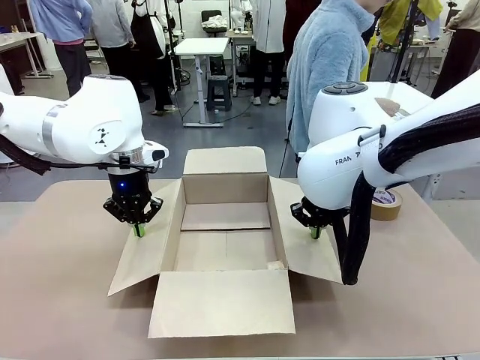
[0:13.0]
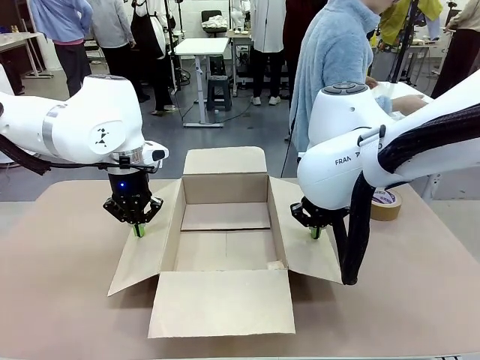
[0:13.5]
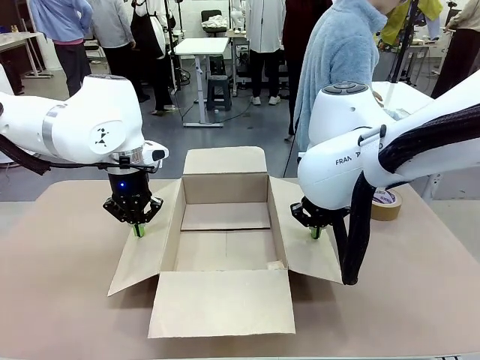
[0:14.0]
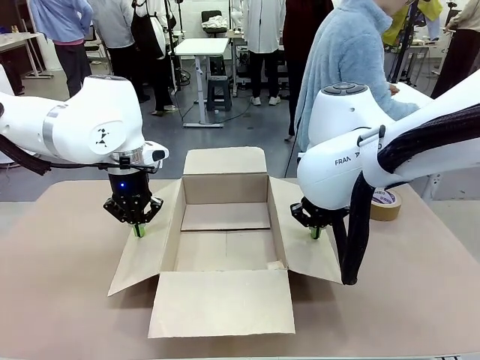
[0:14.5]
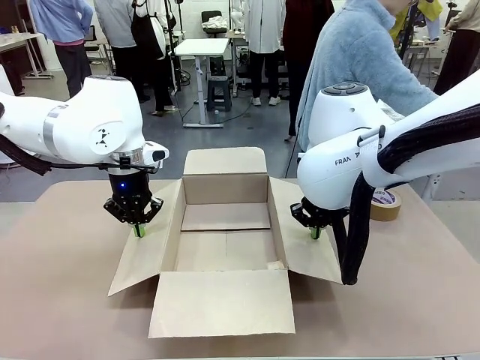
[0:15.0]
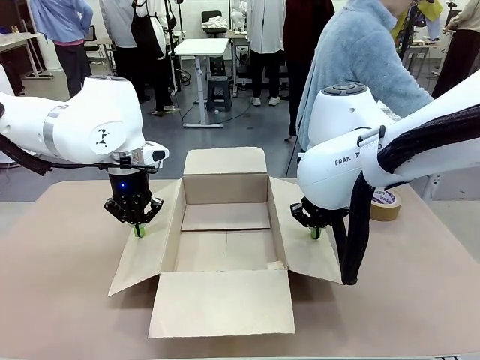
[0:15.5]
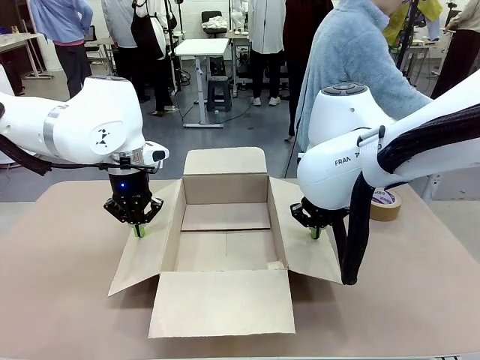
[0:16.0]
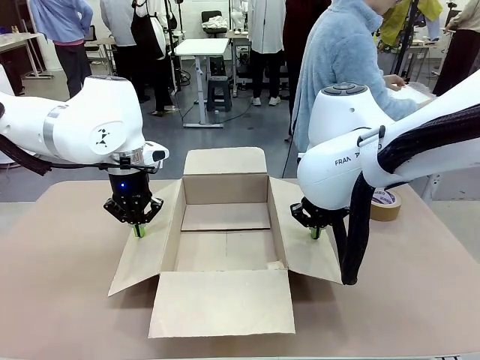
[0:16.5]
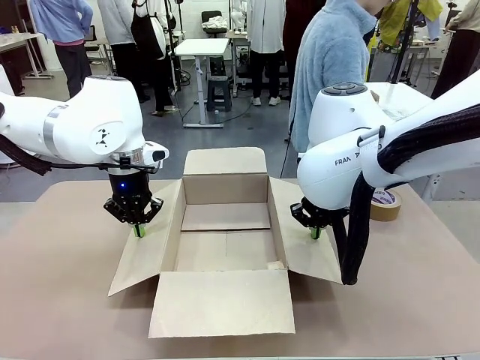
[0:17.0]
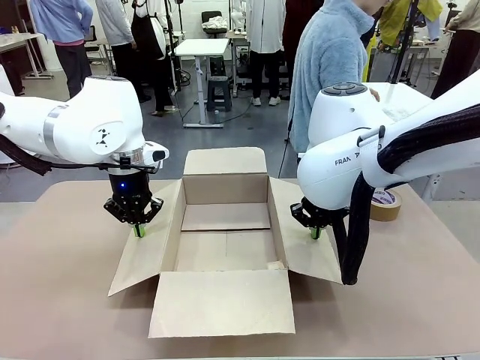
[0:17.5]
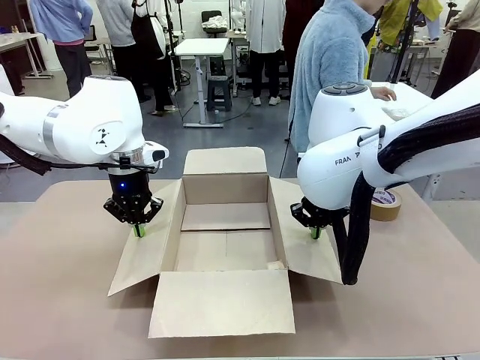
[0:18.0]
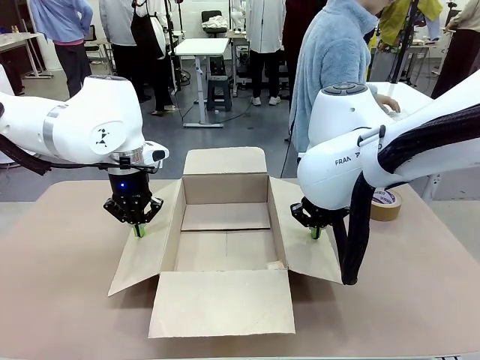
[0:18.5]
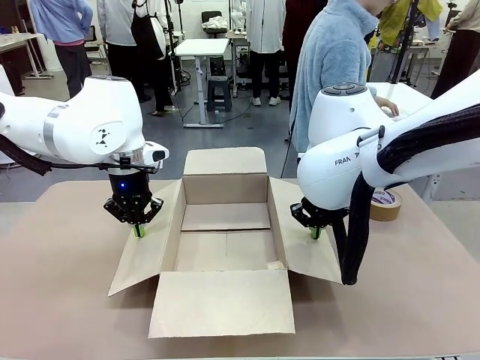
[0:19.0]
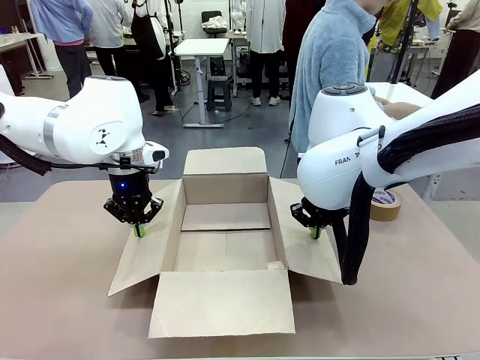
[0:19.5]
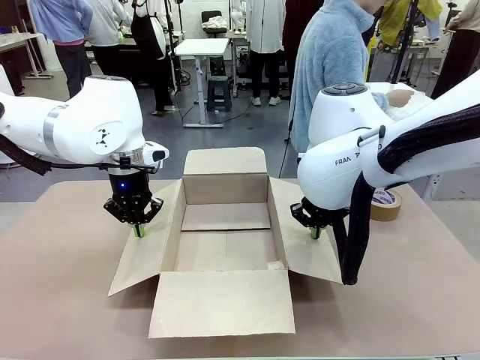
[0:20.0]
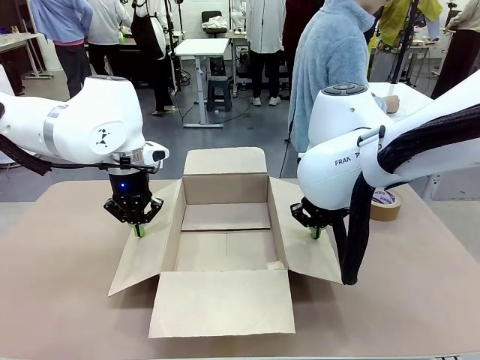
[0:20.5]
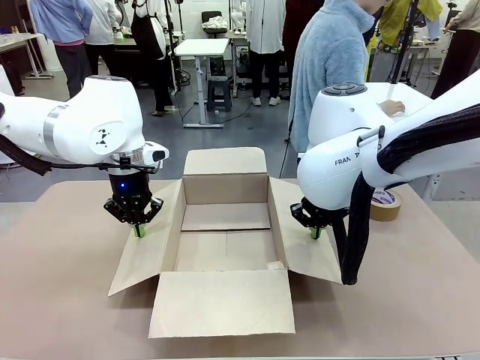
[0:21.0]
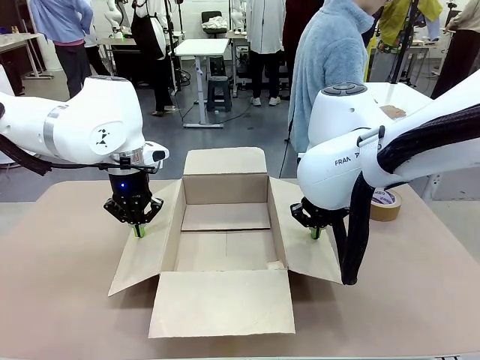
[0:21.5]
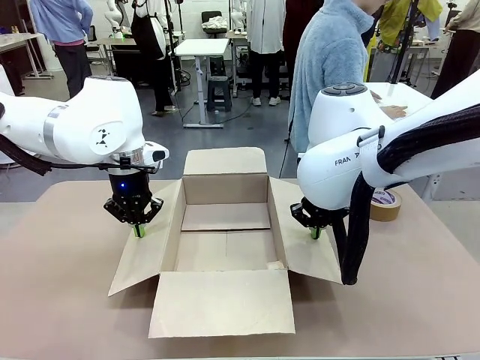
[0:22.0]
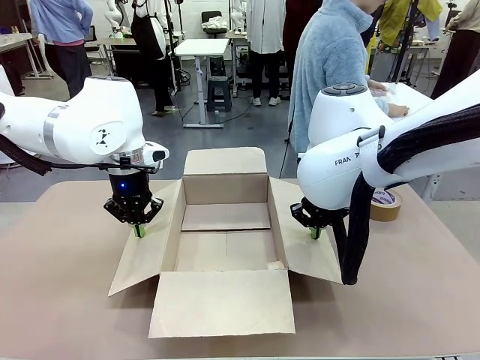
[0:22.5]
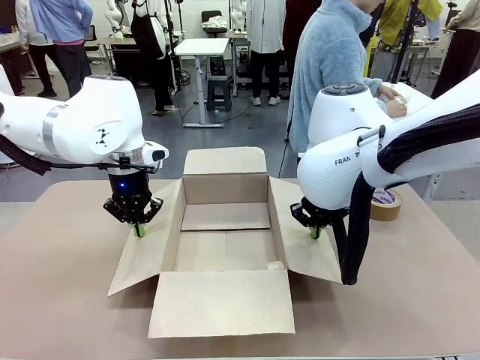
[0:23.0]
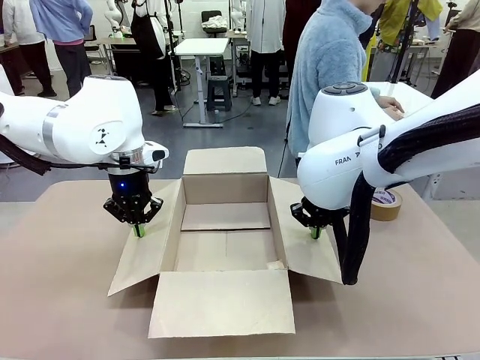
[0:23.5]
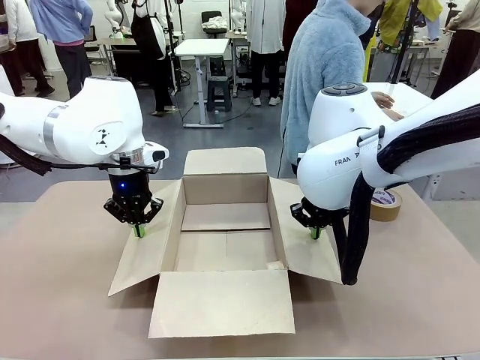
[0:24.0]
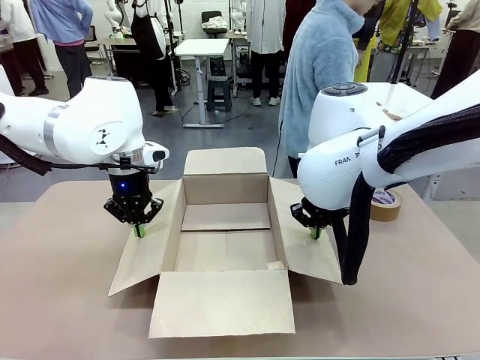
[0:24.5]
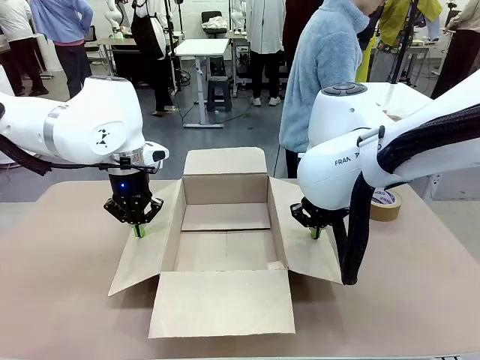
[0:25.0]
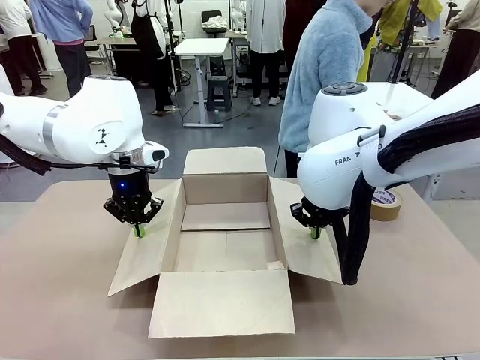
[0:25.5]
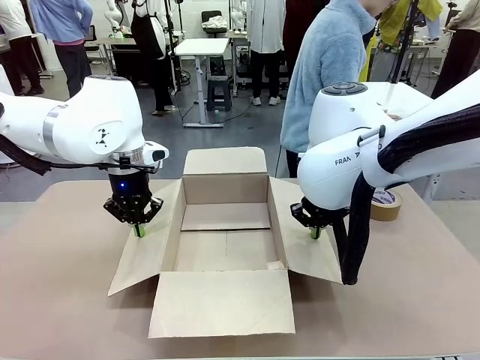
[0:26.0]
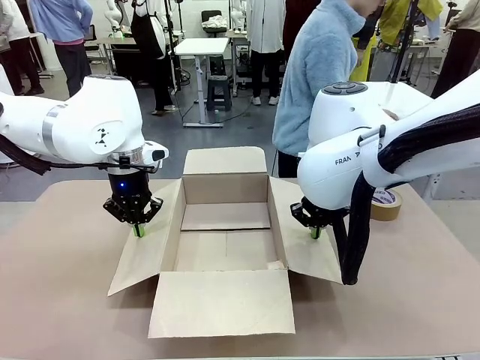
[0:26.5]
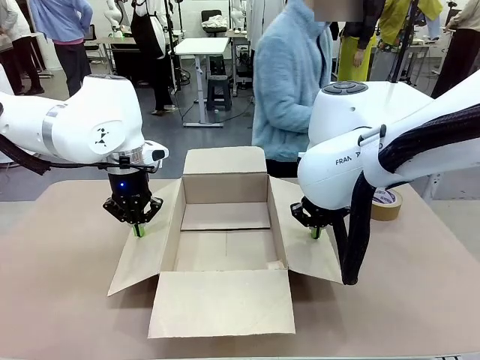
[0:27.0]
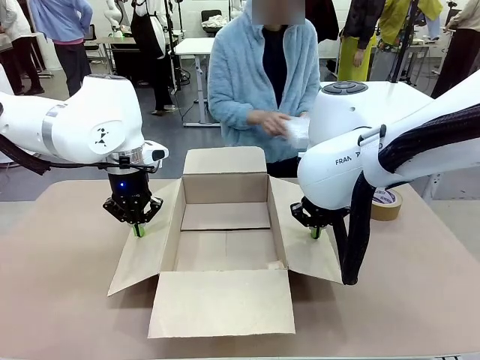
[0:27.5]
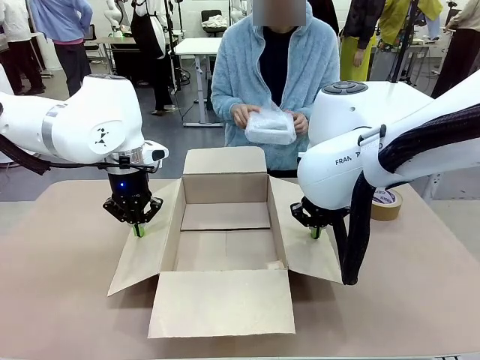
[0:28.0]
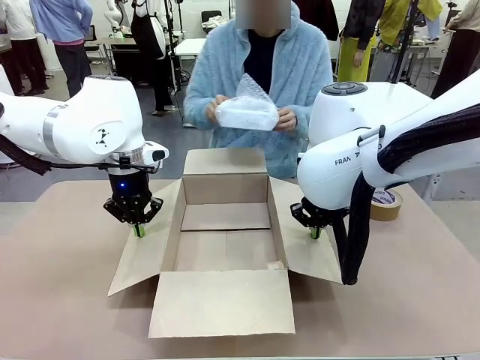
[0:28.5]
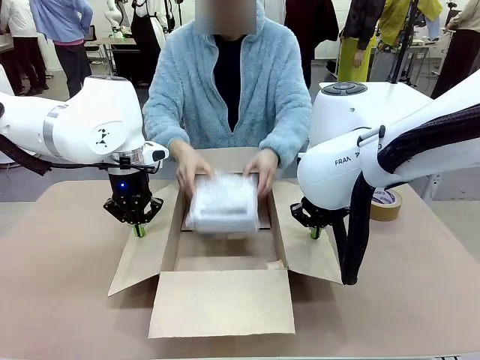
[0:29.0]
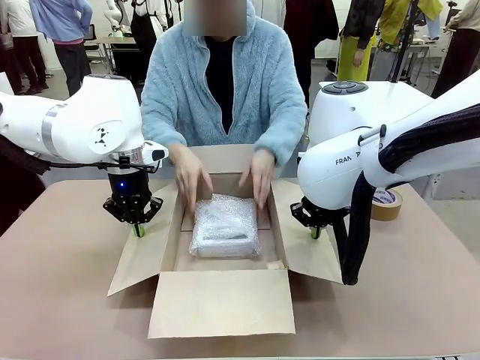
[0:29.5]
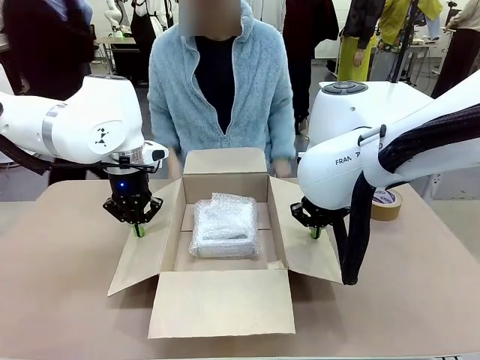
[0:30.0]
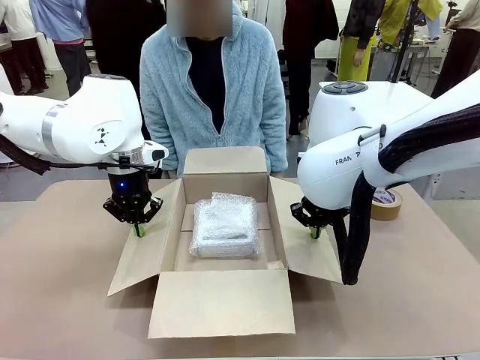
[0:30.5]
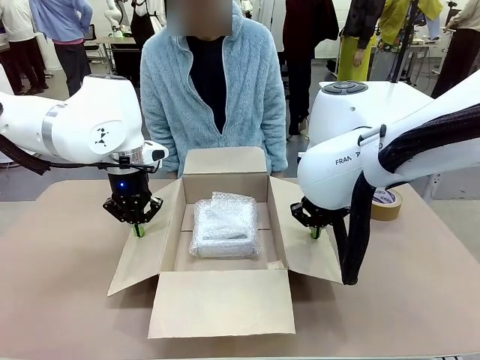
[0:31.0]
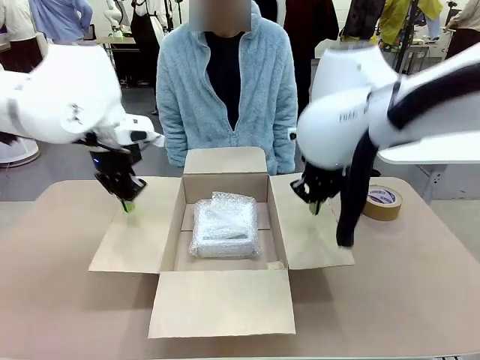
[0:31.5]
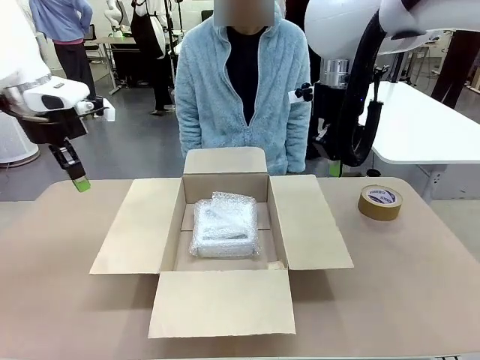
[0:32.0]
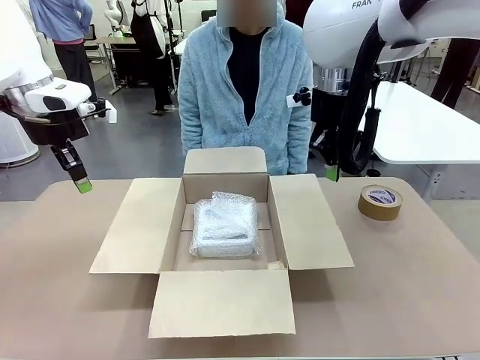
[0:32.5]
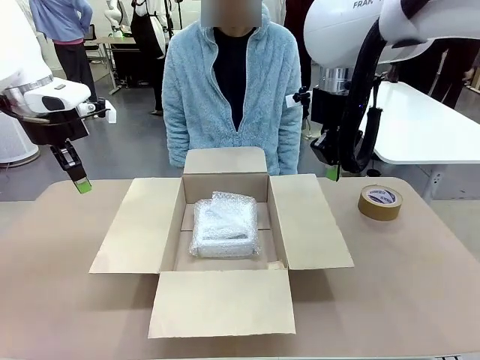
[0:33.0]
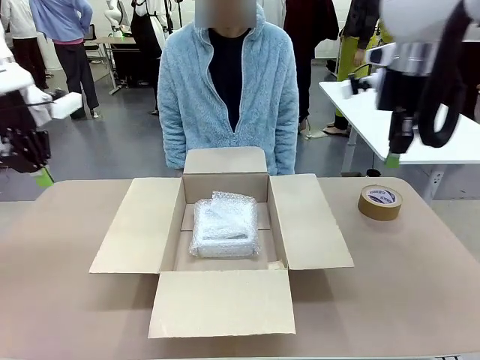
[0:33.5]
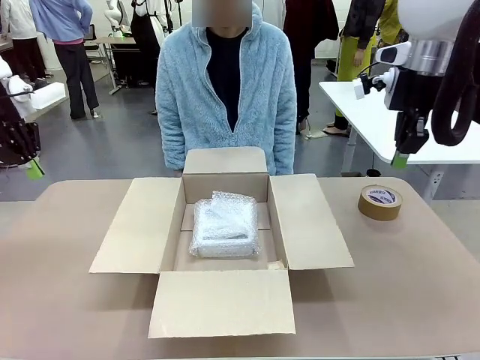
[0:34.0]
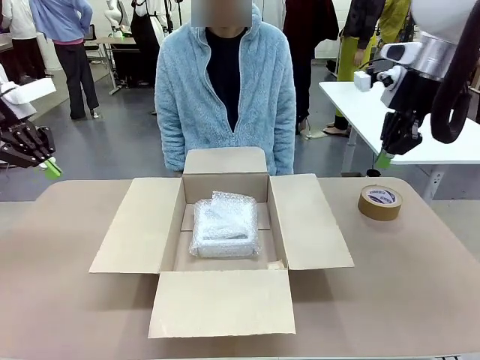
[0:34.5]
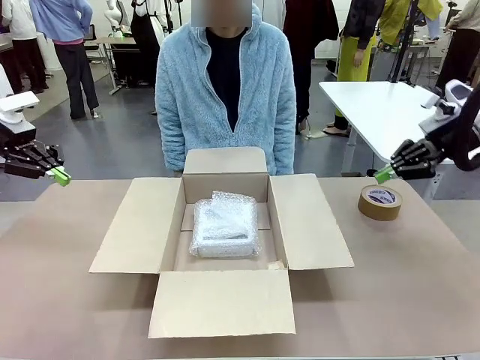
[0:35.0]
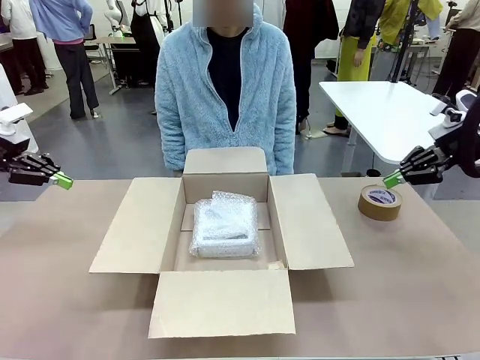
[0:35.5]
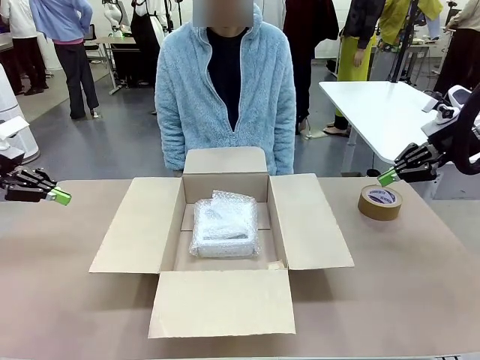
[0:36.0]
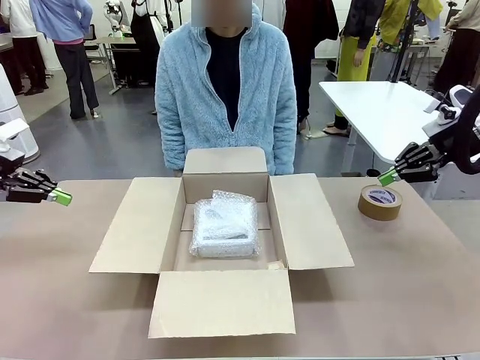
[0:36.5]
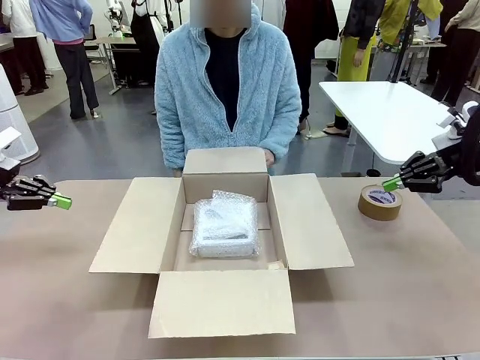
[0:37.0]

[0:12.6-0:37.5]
Task: Wrap the clocks to prevent damage.
Robot: Once the human has placed the objects inside and stepped back, release both hands from the side flaps of the Package Box.
Person: Wrap the two Digital clocks with Bubble Wrap. Place the wrapped Digital clocks inside the Package Box. Hold the top and bottom flaps of the Package Box closed with your left (or right) hand.
